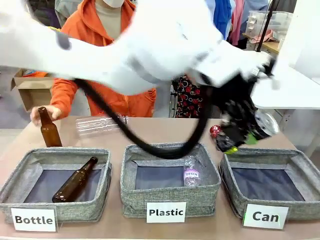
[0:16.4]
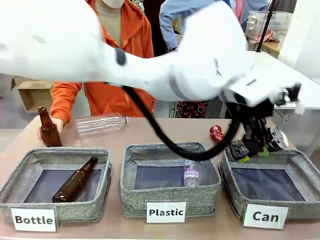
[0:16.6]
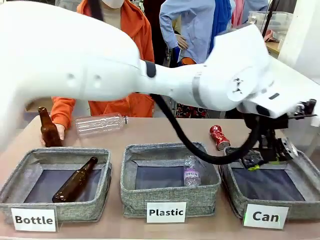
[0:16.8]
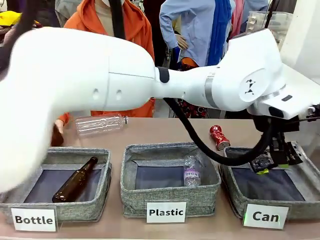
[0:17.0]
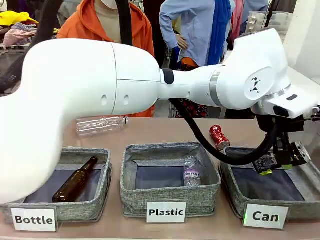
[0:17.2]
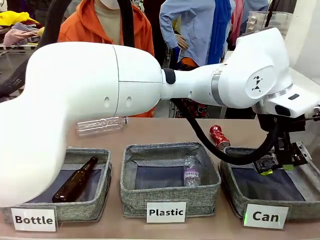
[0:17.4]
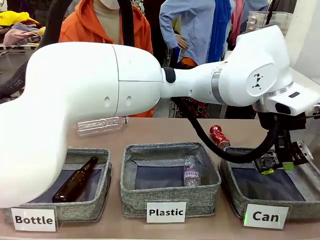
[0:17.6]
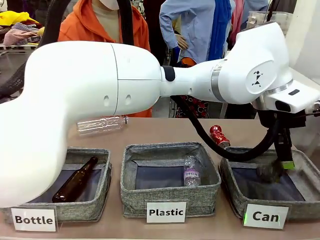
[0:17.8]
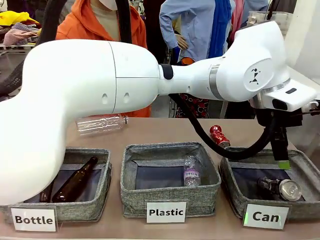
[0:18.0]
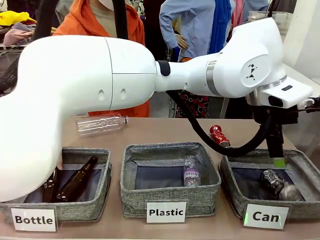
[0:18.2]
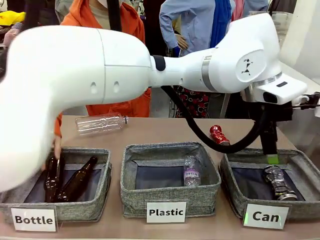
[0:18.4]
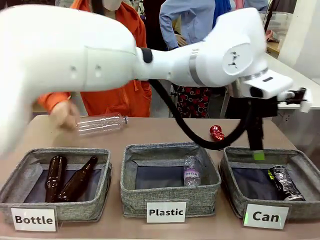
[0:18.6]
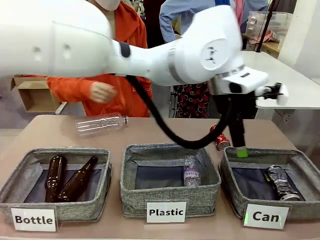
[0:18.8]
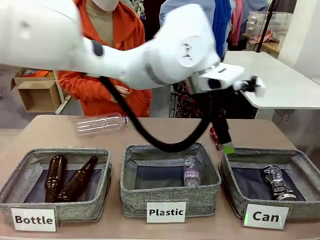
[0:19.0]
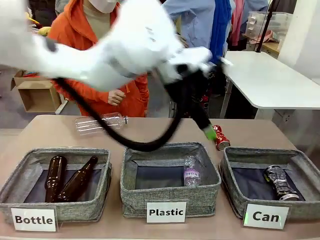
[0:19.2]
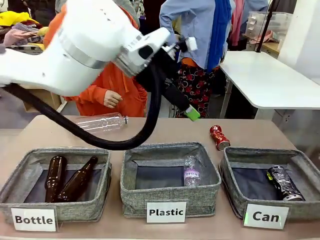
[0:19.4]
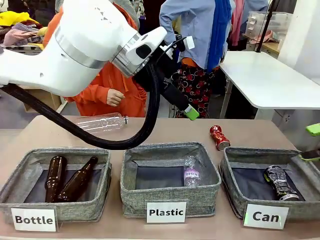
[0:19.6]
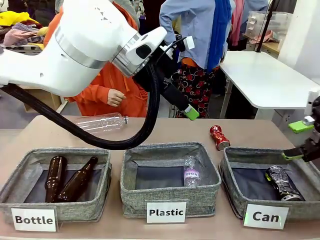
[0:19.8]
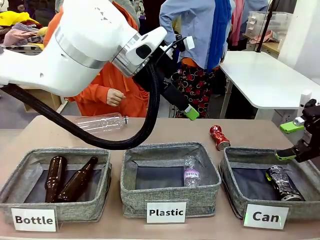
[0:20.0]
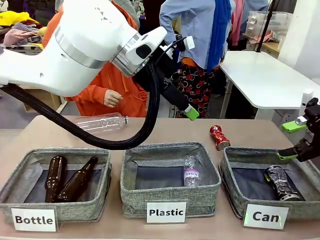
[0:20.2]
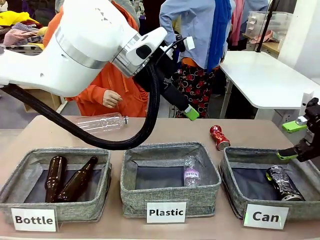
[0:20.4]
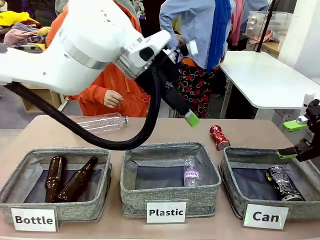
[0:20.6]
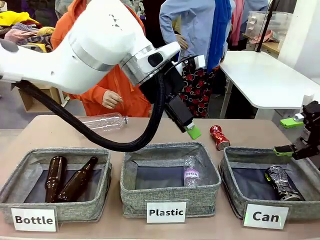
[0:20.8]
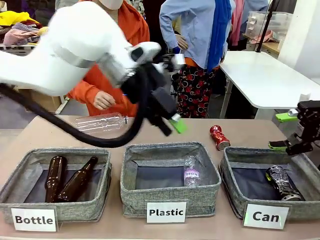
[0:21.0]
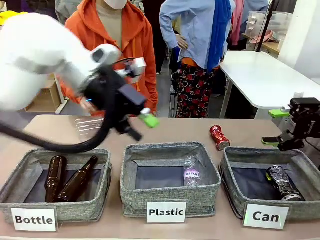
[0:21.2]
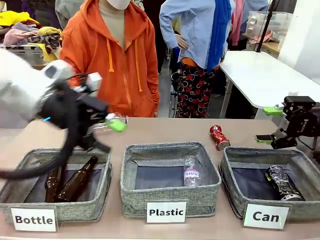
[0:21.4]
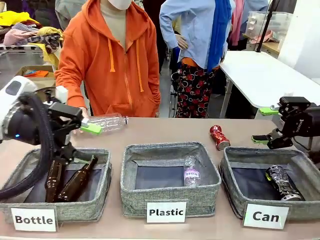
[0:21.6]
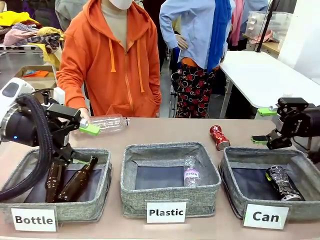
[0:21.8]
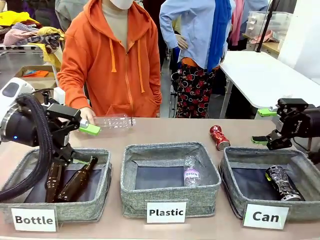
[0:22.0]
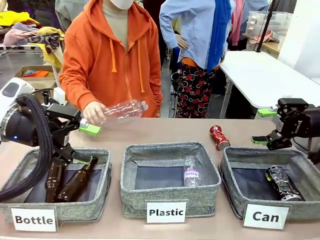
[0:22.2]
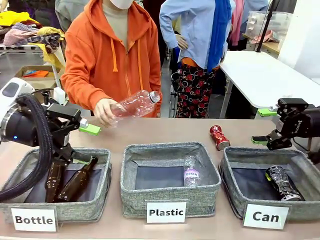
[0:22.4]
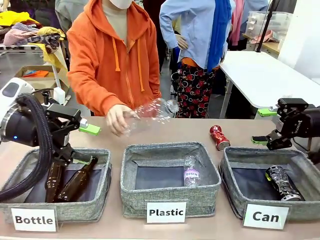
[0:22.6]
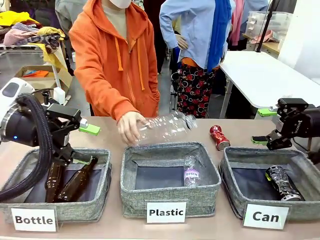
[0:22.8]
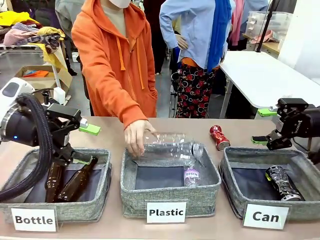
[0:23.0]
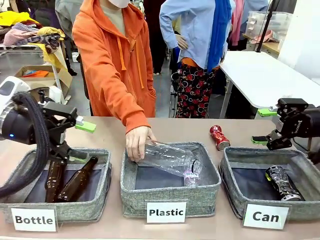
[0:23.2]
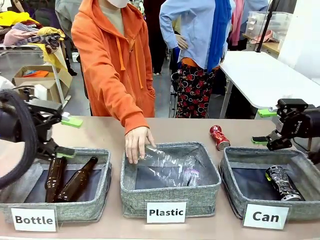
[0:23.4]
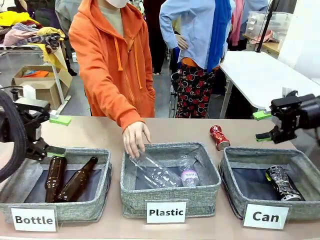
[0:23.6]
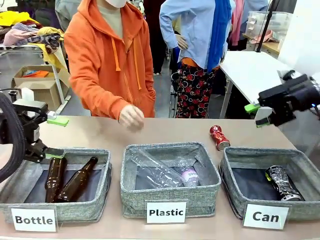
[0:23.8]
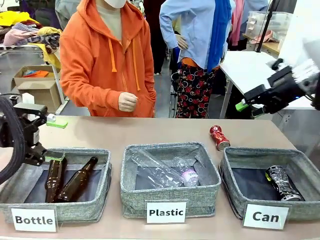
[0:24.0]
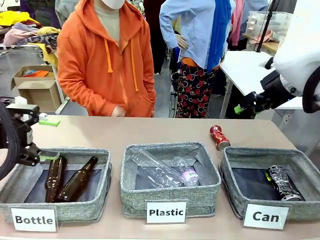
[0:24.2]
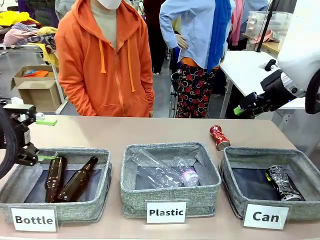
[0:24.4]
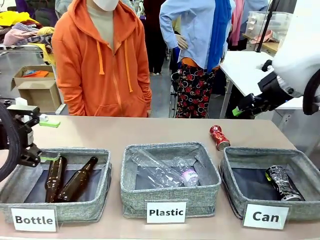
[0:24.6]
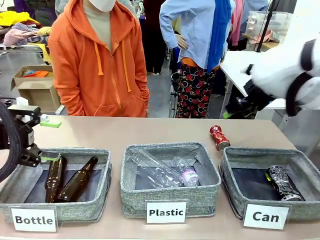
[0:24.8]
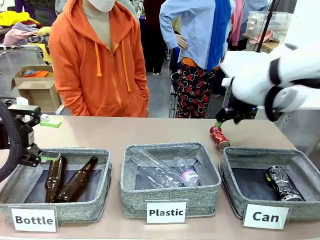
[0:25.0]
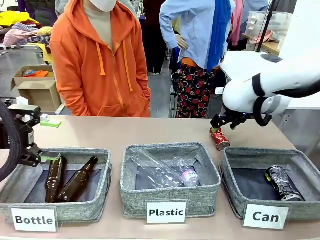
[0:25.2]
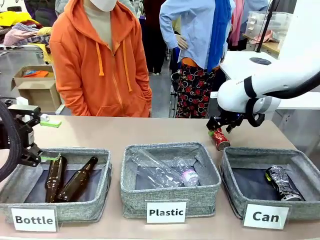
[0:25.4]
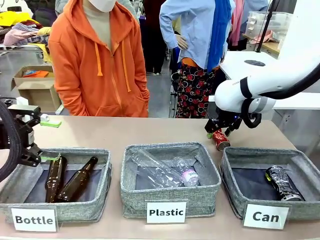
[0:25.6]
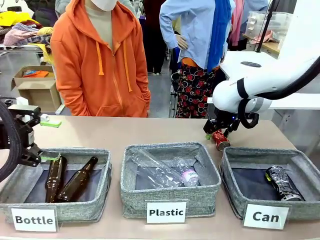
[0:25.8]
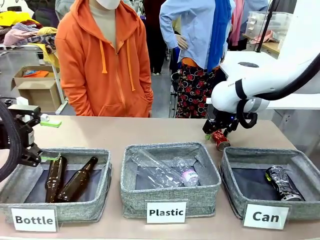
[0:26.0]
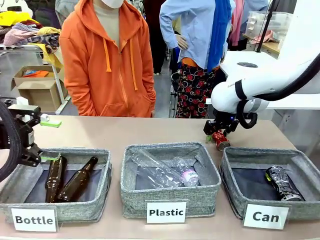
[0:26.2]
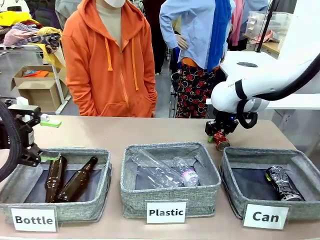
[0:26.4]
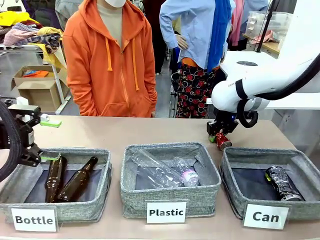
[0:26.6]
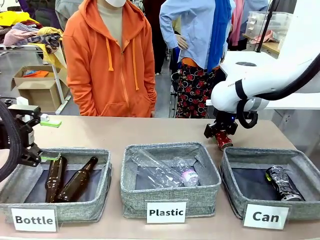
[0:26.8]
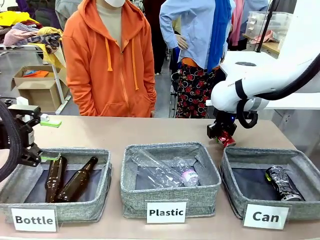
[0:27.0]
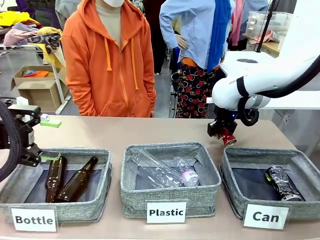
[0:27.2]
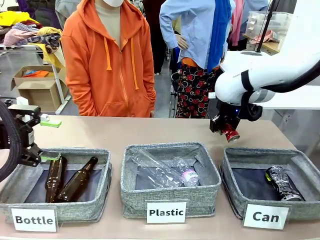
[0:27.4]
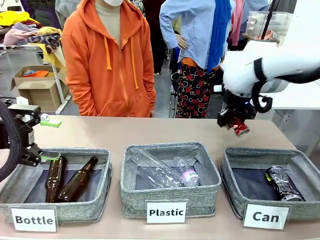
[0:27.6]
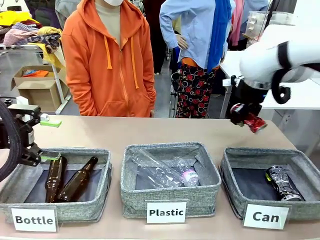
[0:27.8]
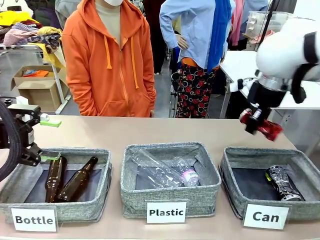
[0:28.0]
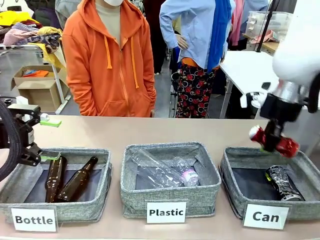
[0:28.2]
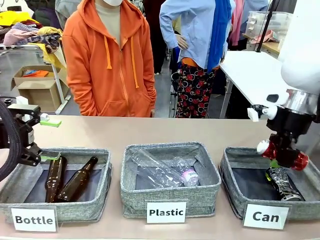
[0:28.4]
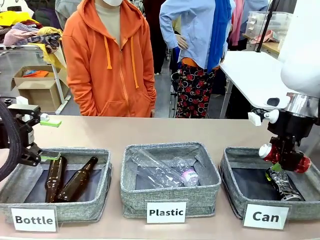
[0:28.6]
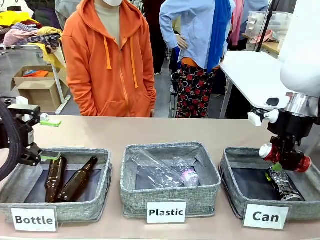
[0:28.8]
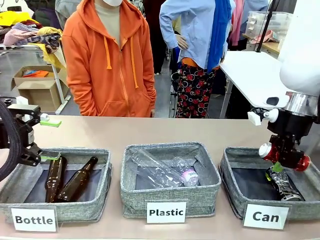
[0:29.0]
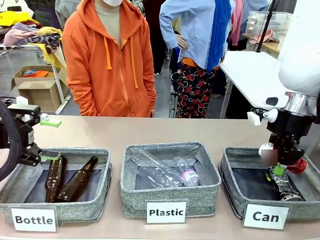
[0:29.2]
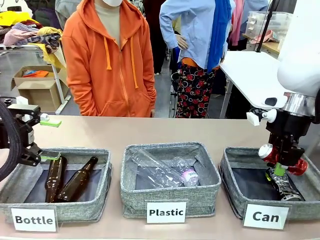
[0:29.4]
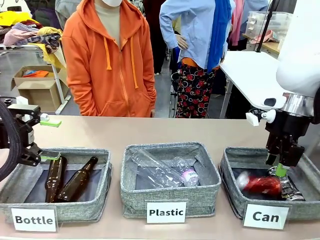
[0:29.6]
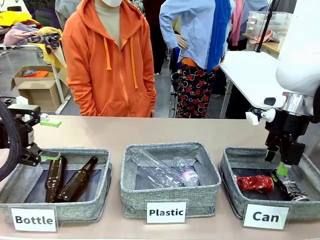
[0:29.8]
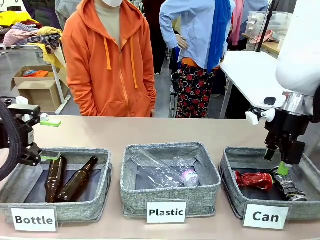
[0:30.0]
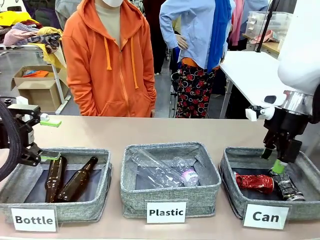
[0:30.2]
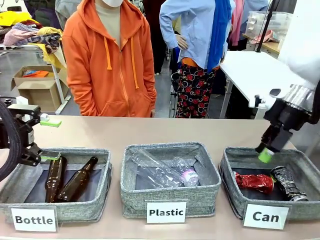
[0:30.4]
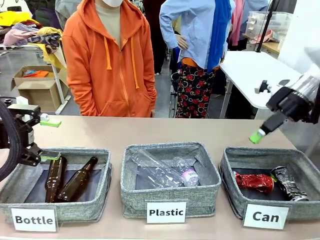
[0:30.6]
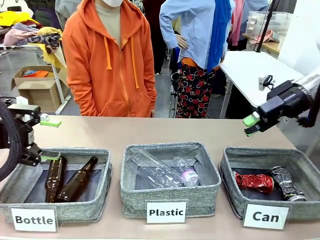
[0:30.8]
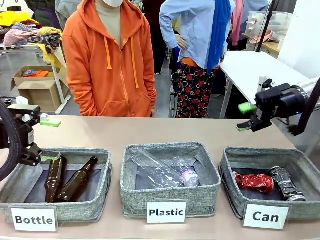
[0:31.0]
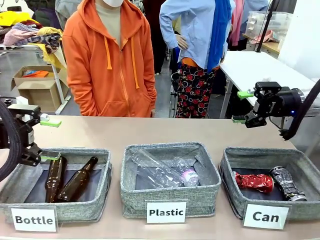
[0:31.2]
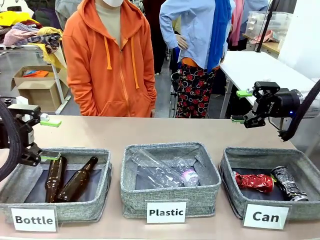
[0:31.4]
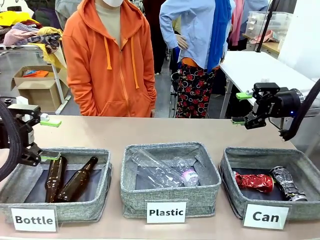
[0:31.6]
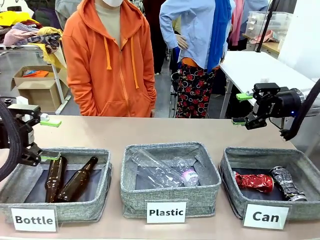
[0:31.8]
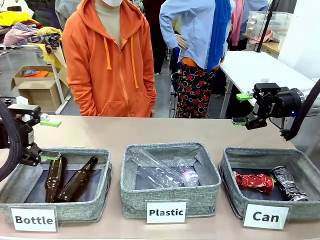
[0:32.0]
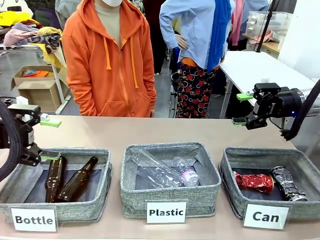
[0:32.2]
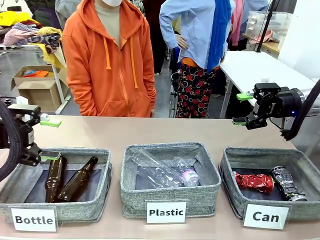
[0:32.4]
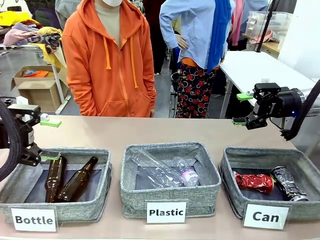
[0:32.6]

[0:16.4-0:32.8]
Task: Sort the can waste into the basket.
Robot: Pick up the can waste from the table and place it in the right Fabric basket.
